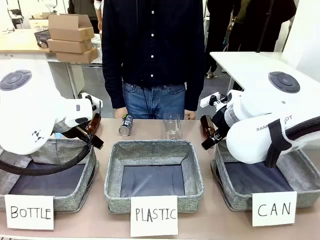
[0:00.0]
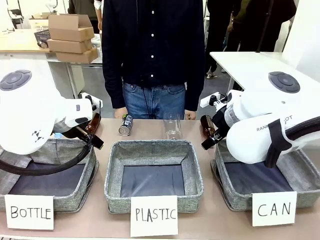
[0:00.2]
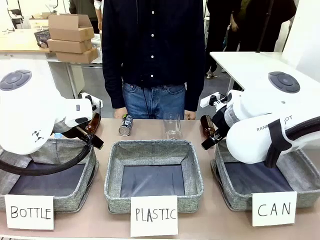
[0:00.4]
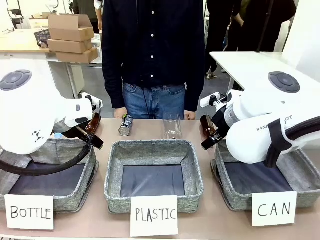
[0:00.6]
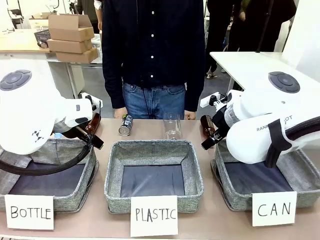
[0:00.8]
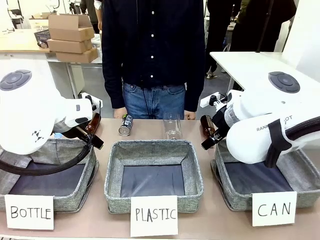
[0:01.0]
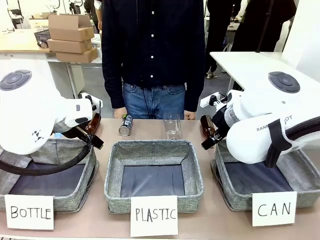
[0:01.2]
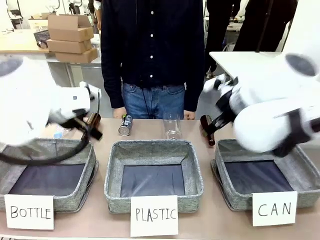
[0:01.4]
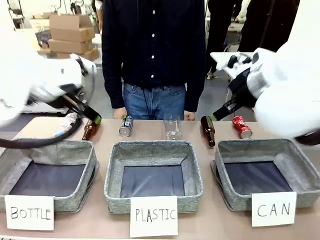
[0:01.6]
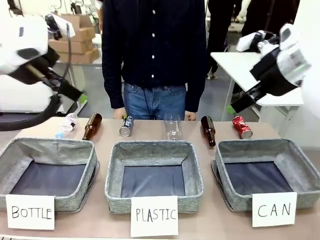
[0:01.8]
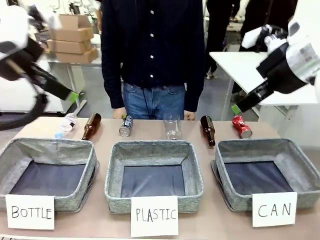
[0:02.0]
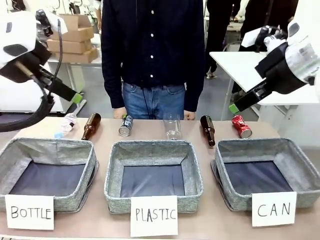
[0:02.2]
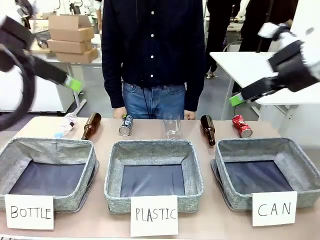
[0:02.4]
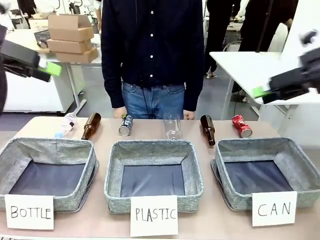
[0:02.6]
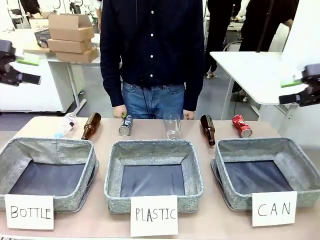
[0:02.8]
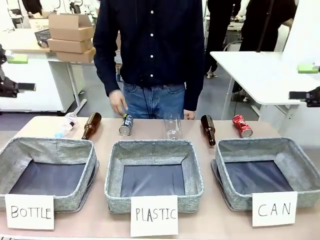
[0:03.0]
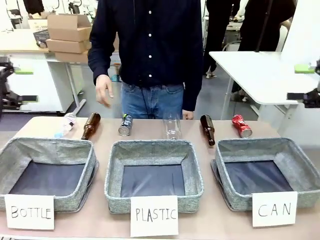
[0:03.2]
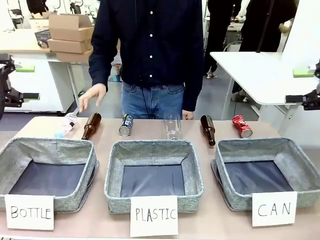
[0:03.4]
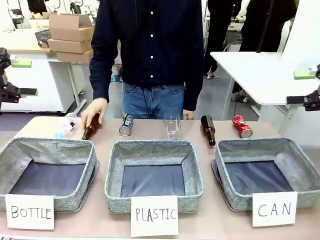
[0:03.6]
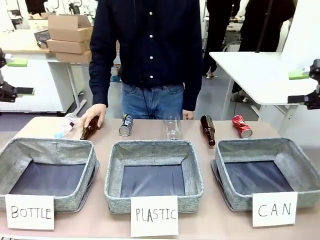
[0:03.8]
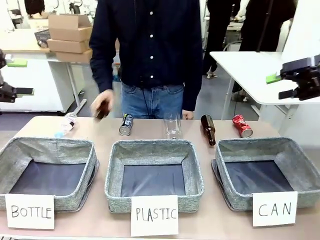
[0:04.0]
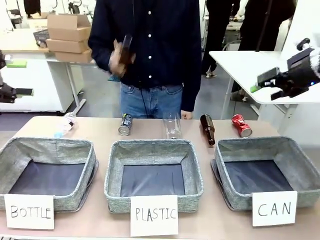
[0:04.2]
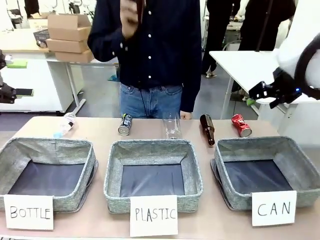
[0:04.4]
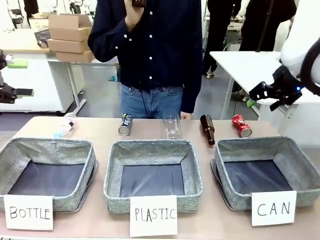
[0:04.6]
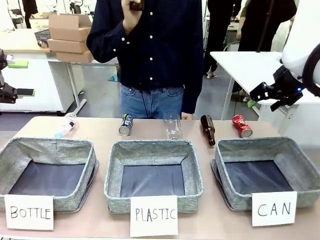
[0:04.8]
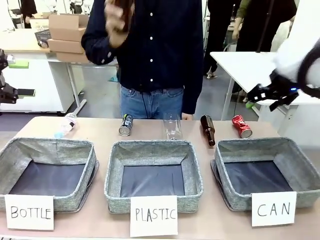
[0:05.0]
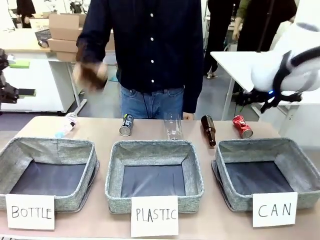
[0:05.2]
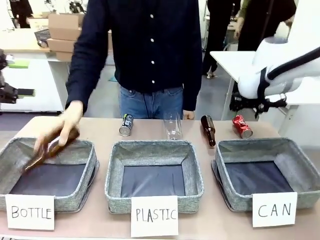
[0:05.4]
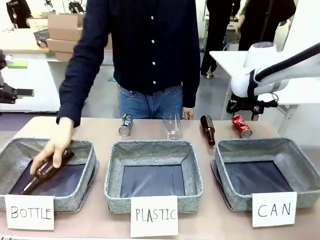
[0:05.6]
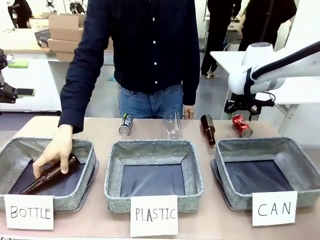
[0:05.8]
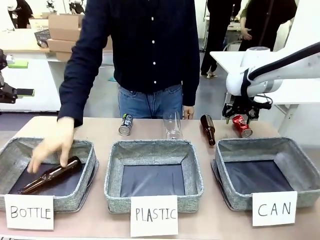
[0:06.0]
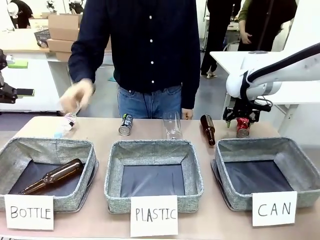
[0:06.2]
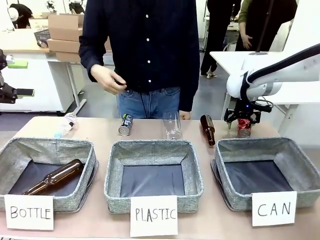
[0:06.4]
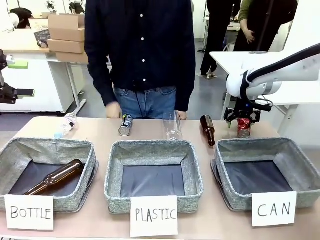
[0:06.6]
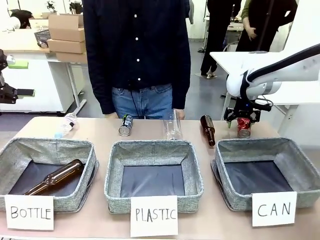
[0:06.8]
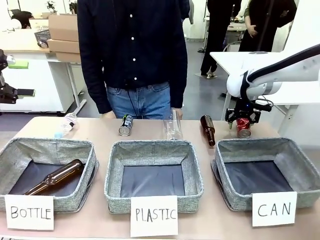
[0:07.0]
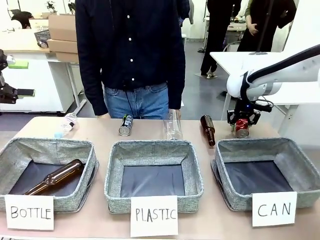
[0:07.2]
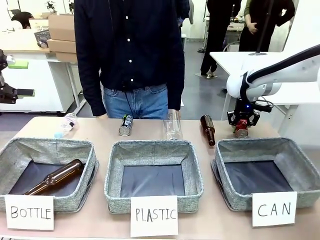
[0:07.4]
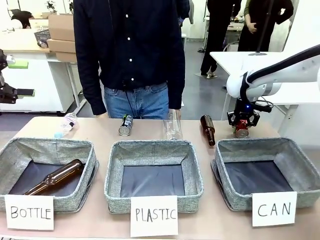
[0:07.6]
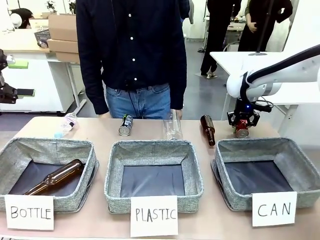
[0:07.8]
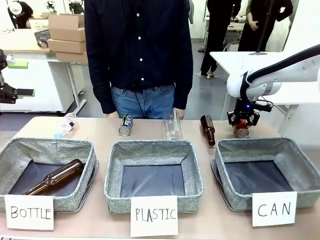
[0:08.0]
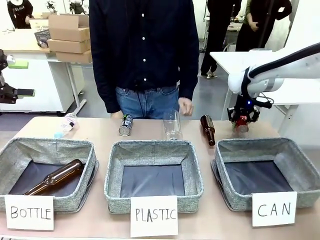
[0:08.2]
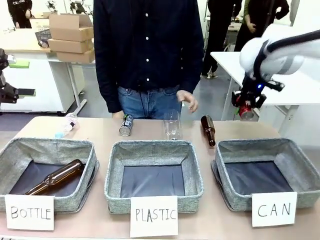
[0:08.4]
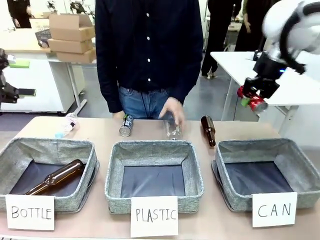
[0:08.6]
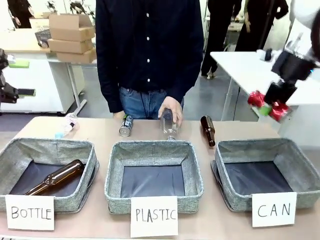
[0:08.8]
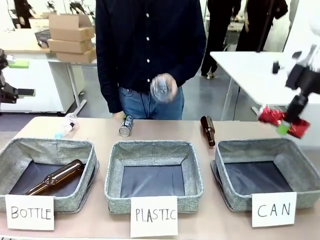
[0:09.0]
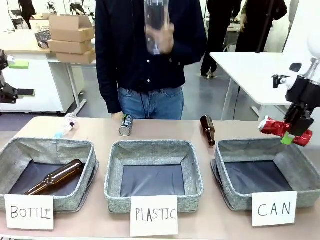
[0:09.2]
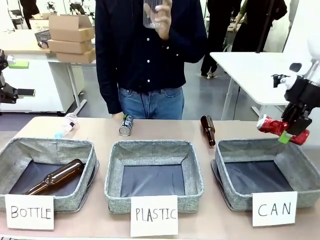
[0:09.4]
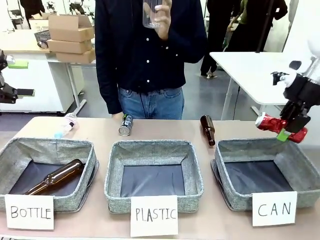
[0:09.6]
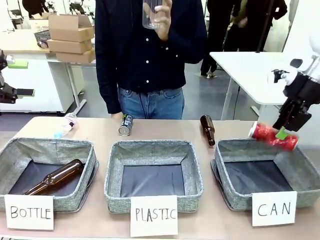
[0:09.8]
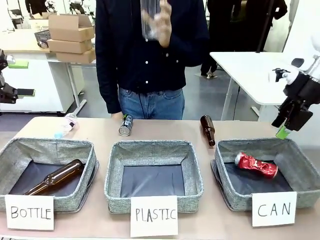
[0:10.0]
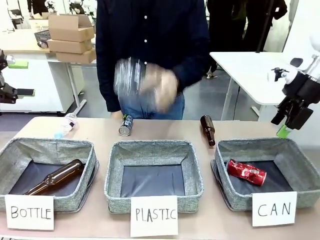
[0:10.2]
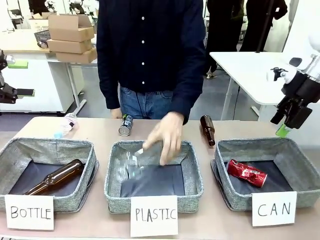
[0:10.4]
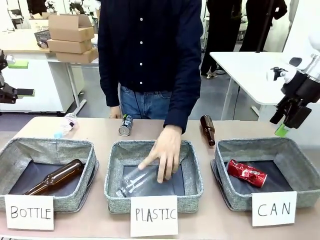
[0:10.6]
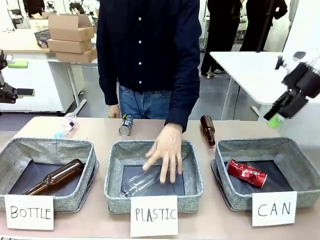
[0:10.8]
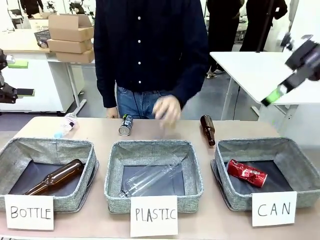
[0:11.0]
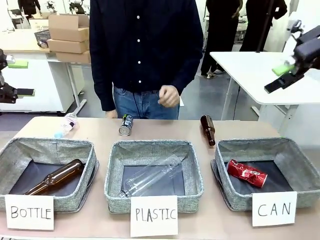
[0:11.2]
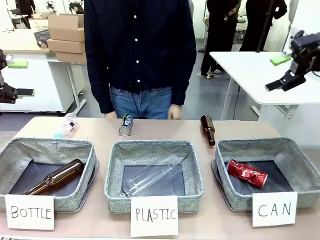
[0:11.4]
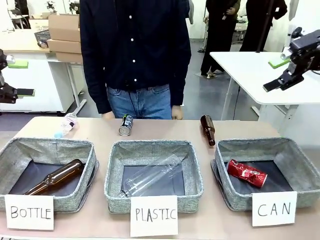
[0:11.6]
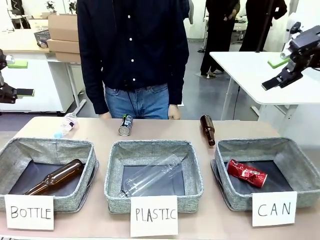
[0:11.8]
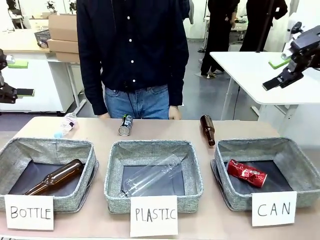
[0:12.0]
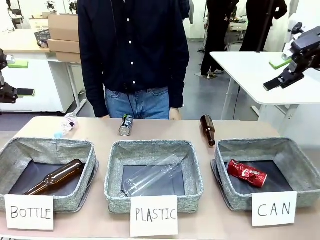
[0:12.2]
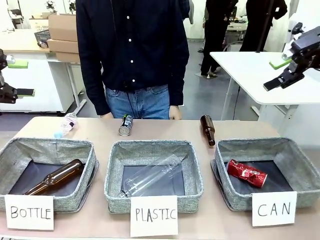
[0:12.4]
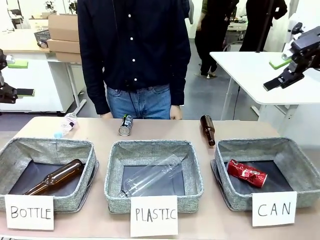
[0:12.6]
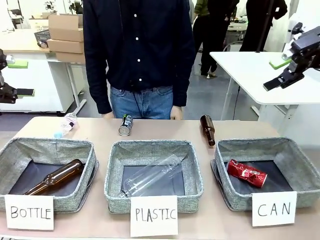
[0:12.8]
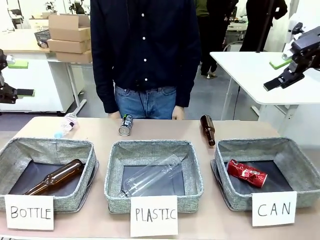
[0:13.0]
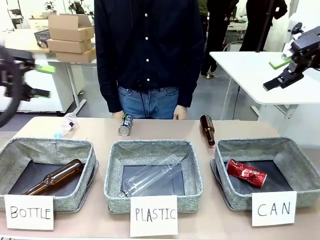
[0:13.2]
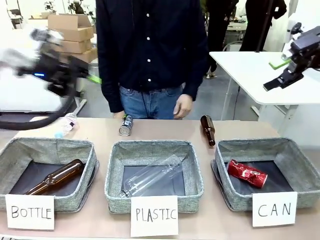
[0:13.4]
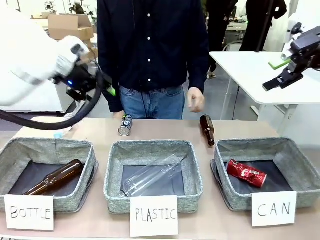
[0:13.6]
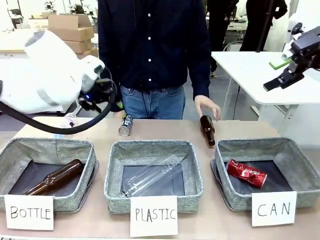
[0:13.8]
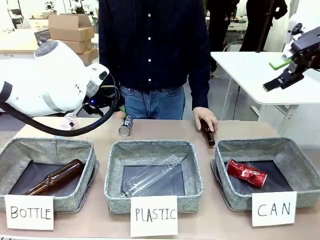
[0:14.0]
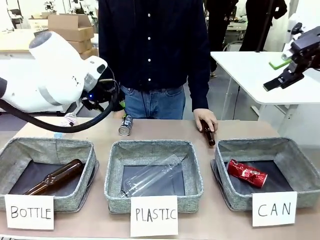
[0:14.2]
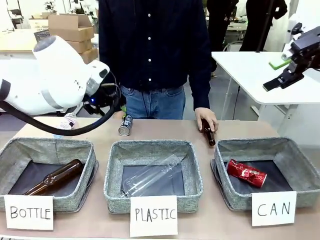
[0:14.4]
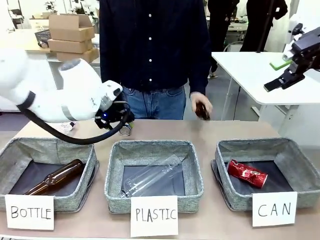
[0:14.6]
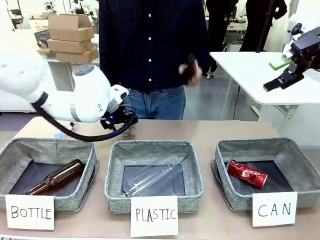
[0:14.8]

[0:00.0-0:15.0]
Task: Sort the can waste into the basket.
Robot: Pick up the can waste from the table and place it in the right Fabric basket.
